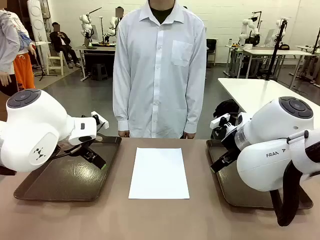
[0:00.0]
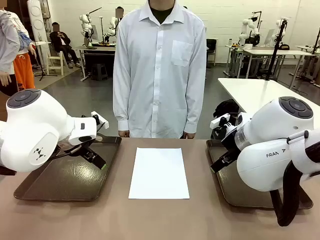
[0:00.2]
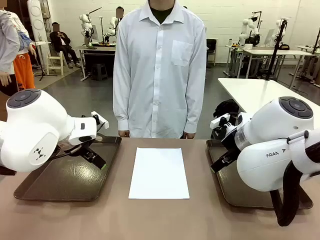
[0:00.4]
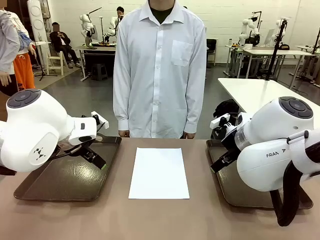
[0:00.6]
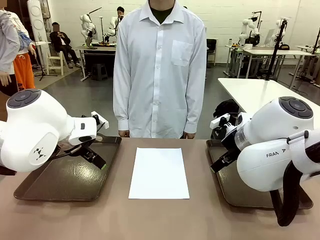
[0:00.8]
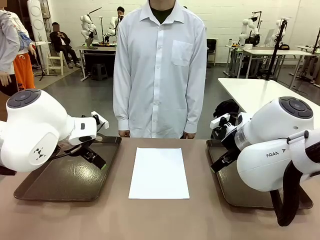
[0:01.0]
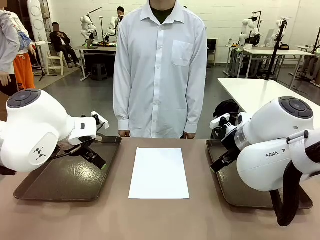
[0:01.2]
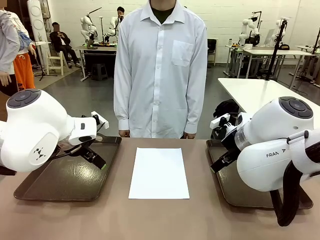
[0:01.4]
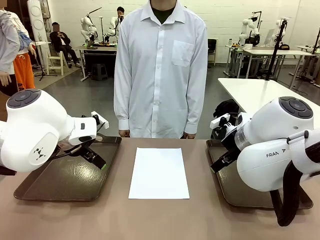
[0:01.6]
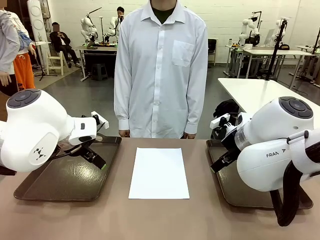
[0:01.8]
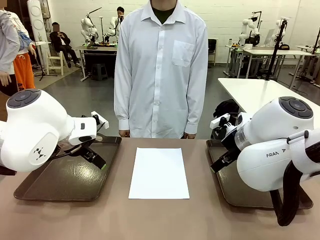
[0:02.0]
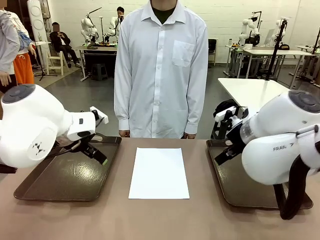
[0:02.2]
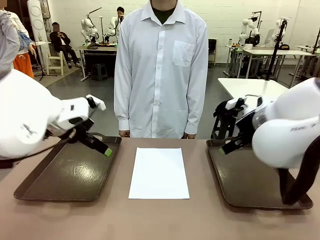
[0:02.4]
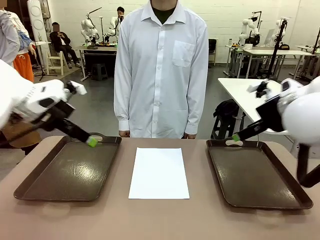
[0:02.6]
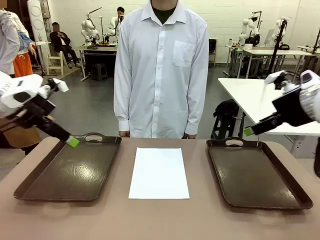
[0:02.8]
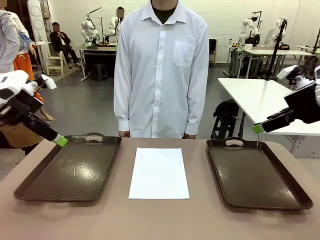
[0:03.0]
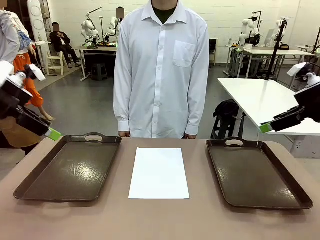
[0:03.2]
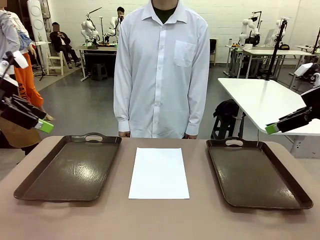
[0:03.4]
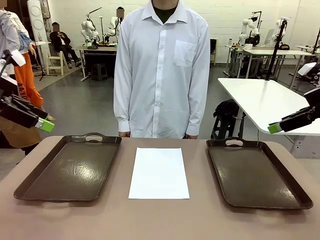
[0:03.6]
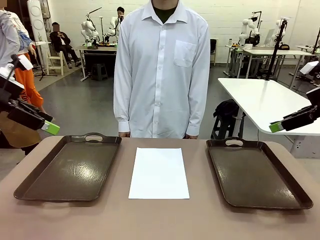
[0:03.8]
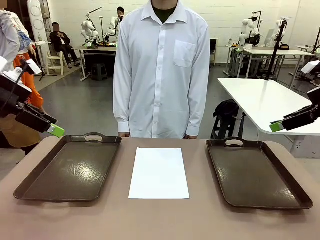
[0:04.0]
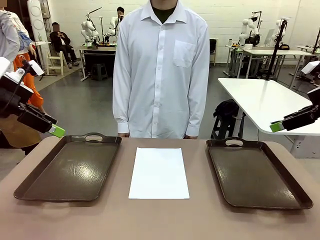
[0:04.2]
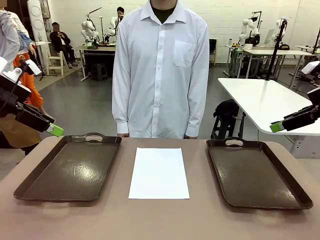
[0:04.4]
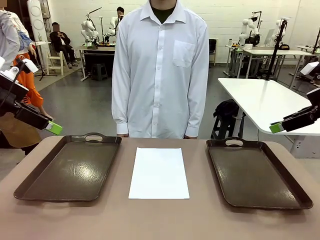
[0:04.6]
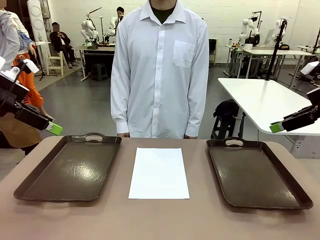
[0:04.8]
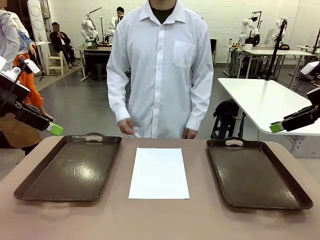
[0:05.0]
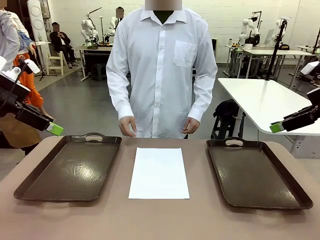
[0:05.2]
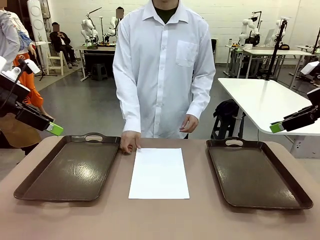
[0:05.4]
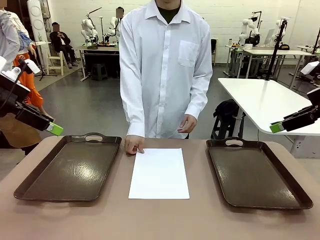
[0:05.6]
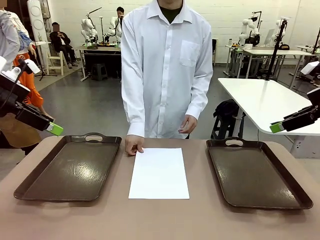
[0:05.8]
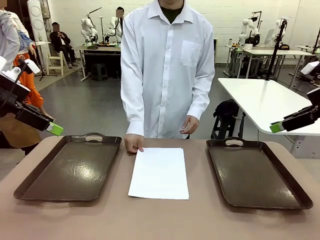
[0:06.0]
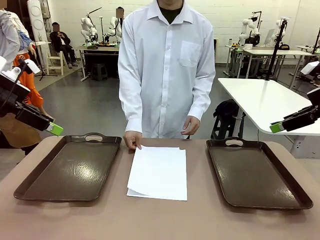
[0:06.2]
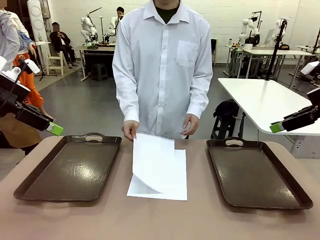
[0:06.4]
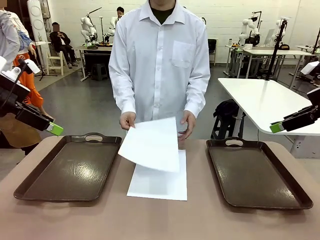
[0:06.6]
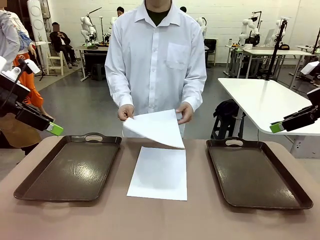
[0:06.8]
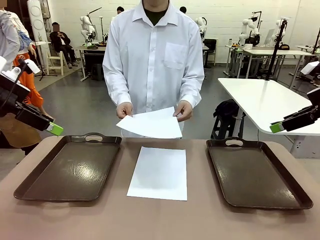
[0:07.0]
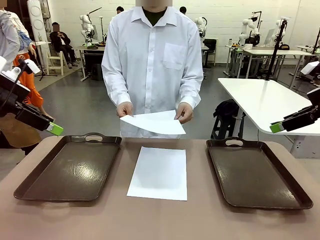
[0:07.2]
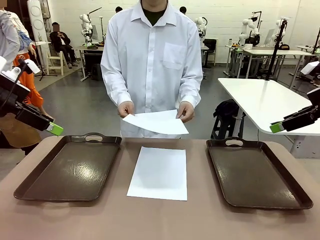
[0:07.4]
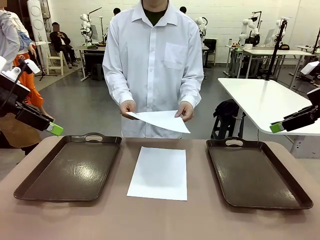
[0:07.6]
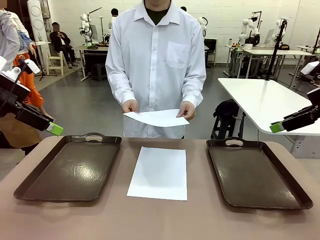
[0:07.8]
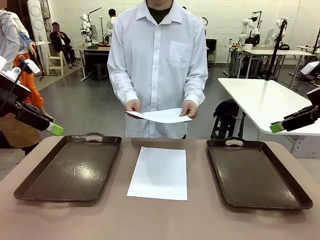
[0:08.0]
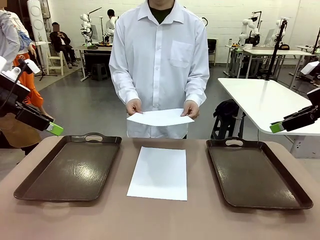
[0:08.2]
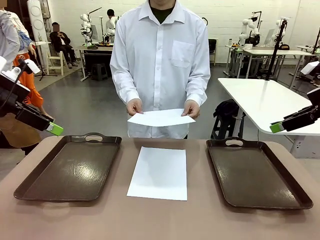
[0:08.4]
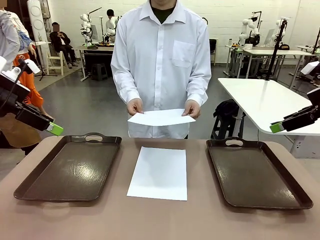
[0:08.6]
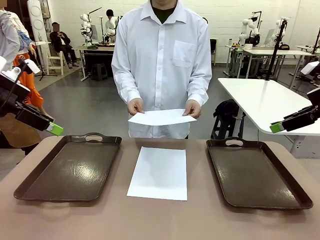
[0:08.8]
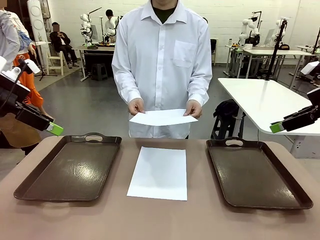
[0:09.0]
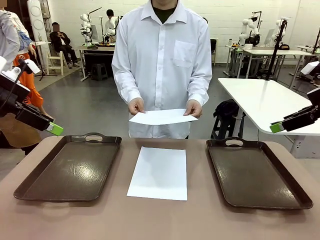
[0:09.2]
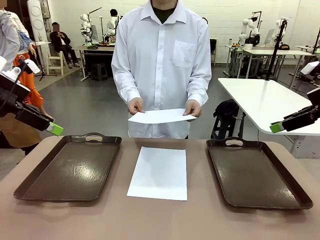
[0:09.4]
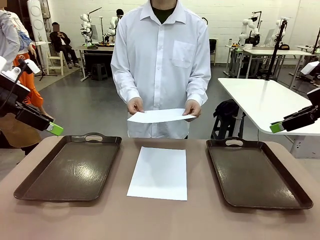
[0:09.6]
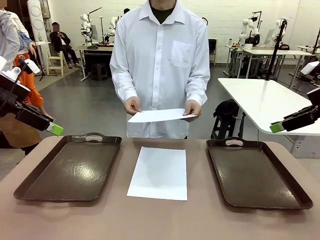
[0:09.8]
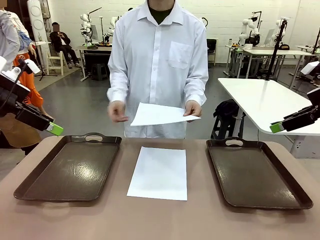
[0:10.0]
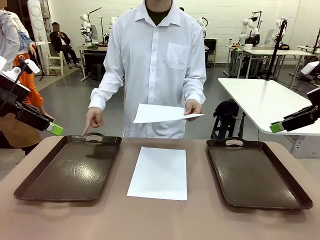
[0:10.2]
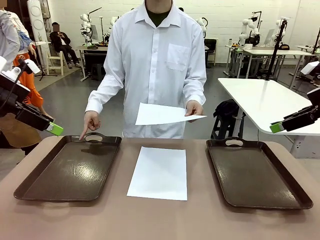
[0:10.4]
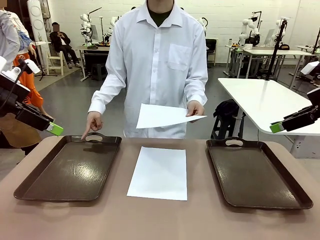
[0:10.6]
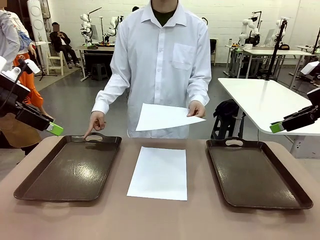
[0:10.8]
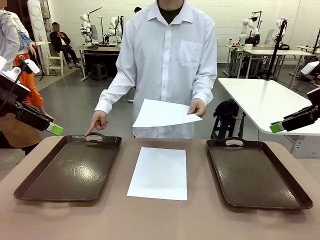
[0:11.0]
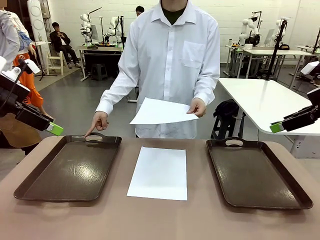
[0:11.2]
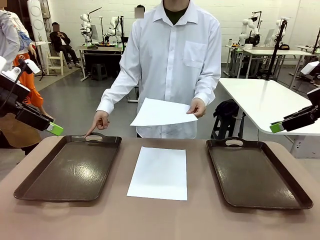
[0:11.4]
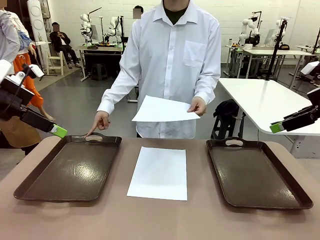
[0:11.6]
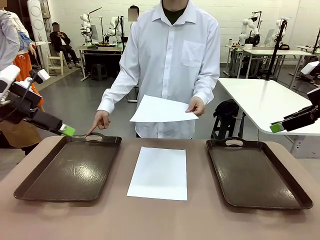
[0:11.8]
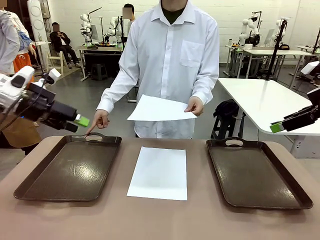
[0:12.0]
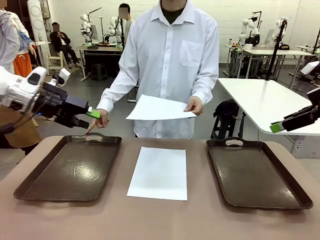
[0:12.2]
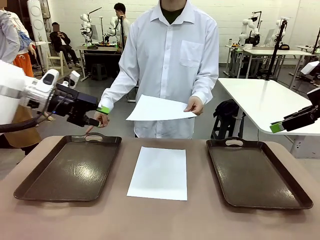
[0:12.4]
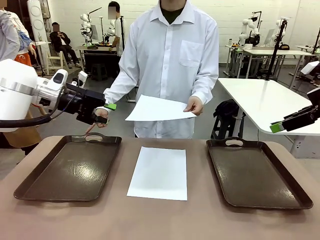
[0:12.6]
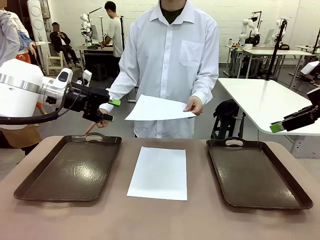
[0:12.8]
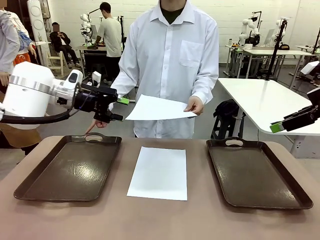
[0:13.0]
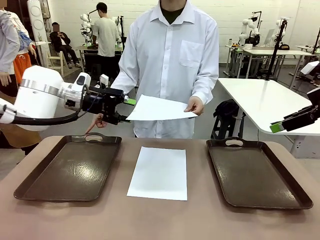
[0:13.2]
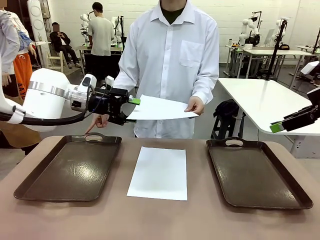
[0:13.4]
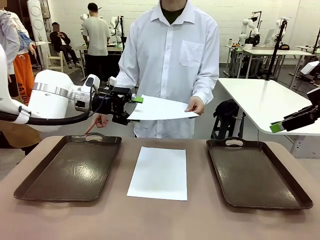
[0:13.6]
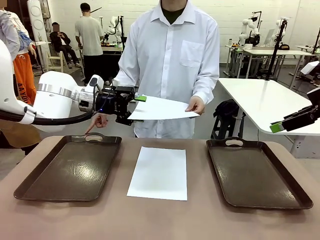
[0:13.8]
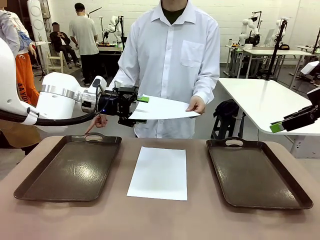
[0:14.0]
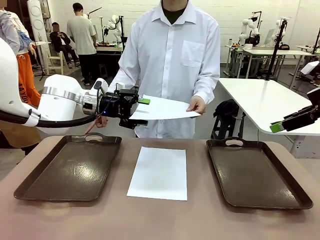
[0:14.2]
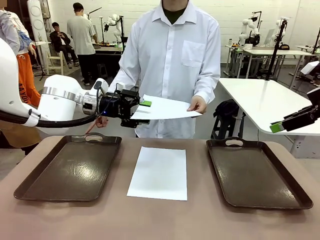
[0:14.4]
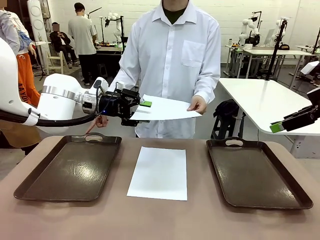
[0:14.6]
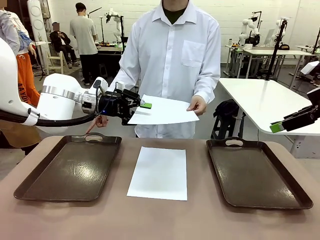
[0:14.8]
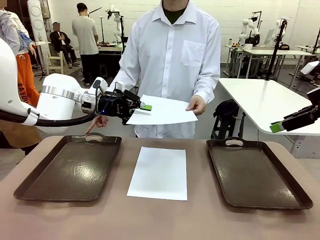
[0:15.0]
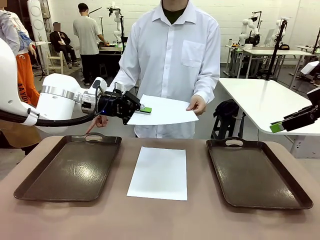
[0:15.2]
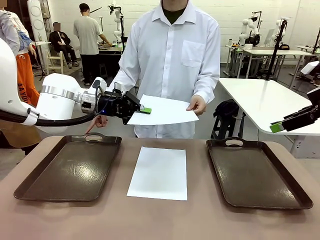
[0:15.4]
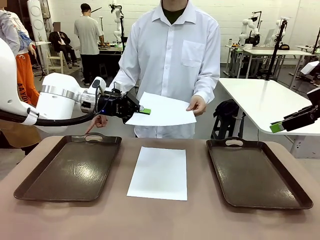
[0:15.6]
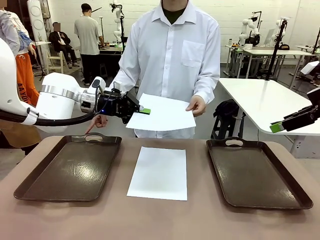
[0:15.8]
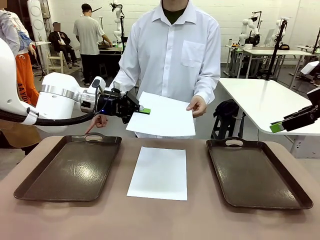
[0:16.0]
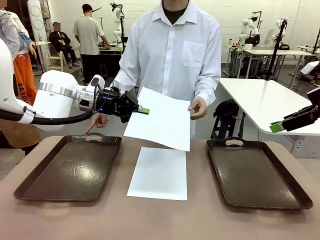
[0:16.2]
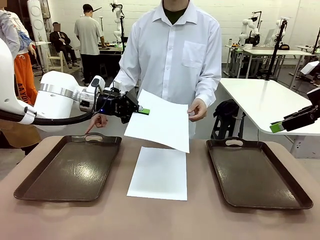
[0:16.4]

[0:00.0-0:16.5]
Task: Sort the A4 documents.
Robot: Receive the A4 Paper.
Person: Pick up a sheet of paper from the center of the table and hand it to the robot. Point the randomly selected tray with the other hand.

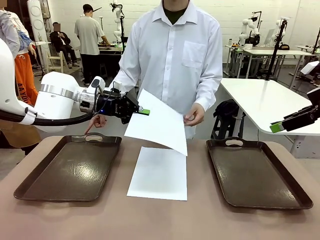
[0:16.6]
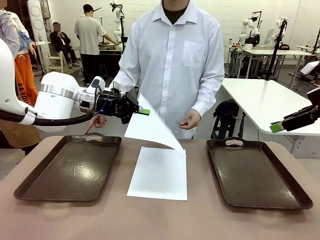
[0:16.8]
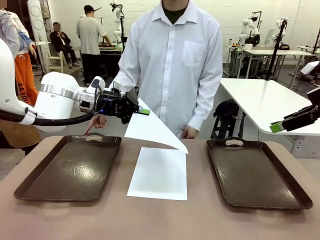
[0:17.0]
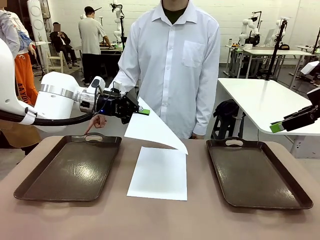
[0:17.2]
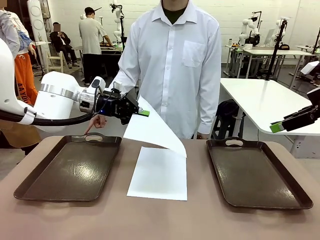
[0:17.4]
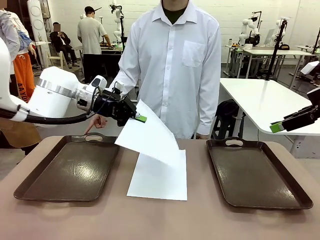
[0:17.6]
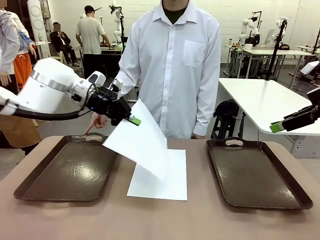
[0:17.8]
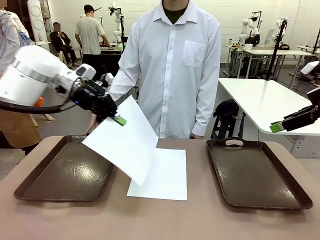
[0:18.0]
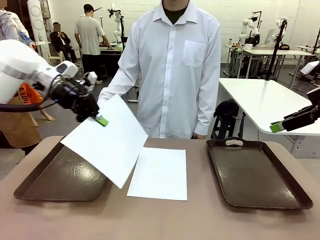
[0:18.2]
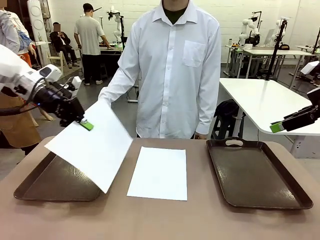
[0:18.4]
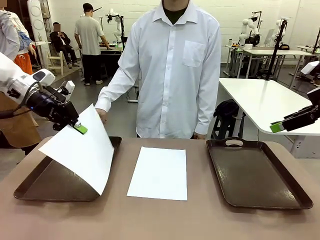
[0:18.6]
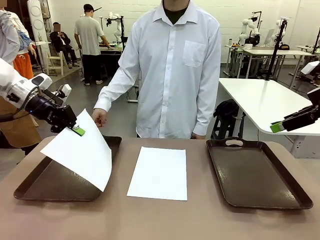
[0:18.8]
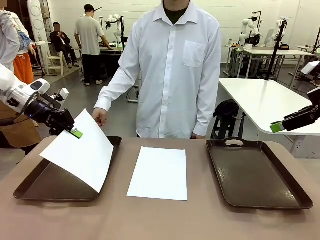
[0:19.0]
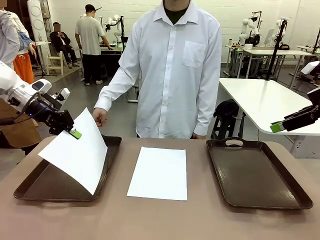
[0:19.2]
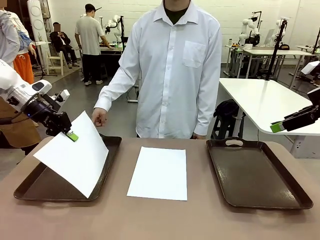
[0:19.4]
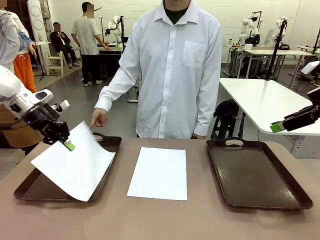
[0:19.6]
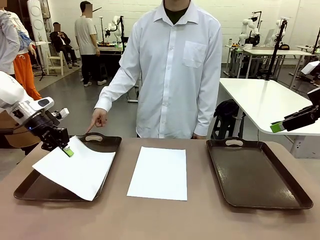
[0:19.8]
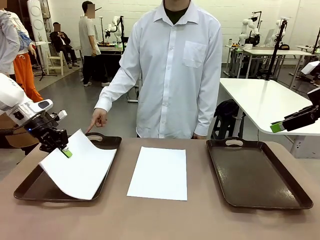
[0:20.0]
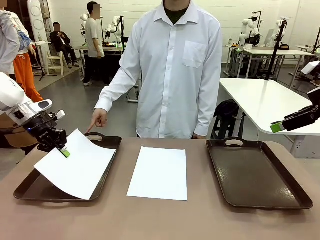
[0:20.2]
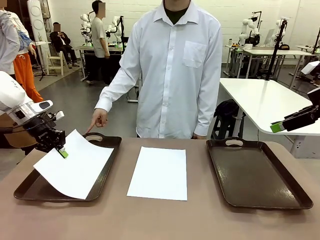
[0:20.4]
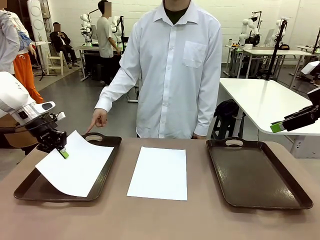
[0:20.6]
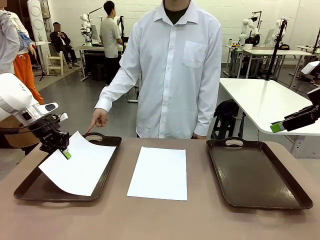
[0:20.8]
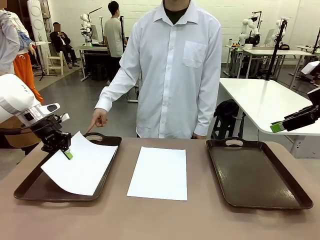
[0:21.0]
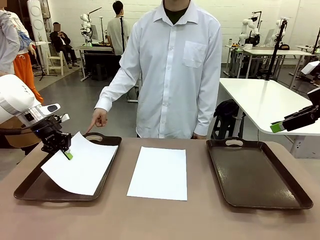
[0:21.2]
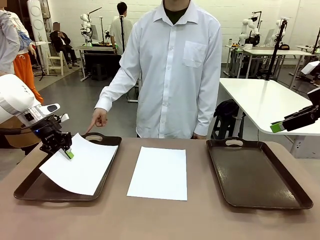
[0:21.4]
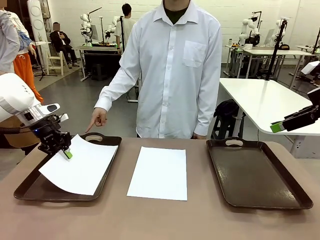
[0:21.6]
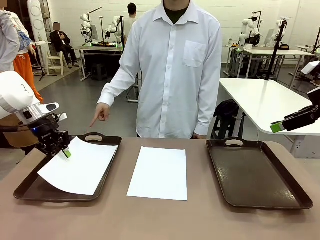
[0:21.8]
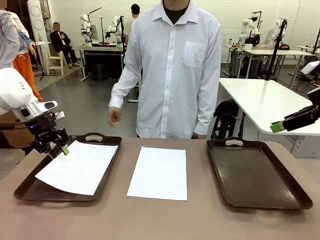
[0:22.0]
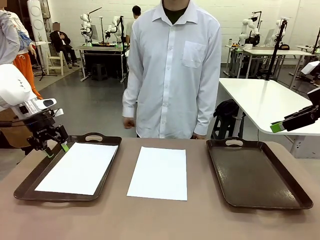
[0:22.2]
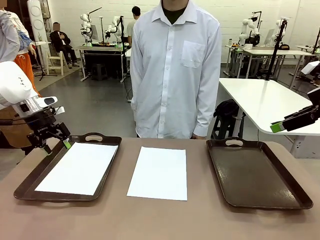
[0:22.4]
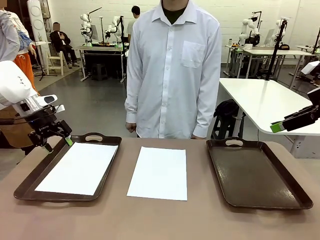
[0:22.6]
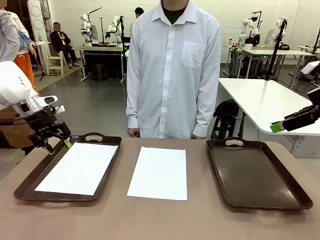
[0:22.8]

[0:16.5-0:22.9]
Robot: Place the A4 Paper in the designated Handle tray.
